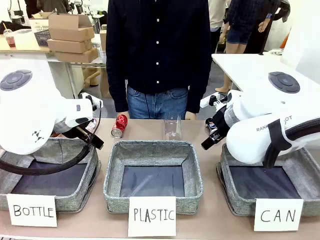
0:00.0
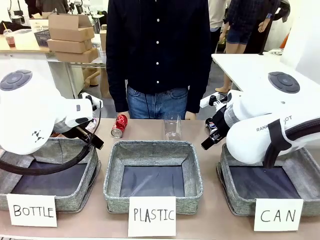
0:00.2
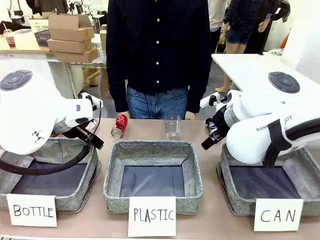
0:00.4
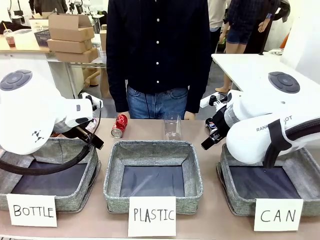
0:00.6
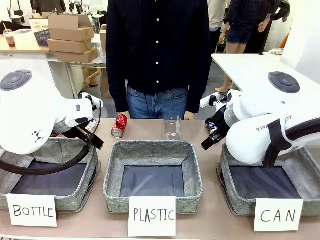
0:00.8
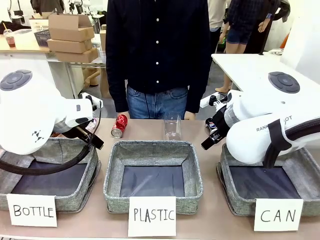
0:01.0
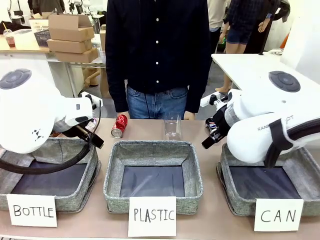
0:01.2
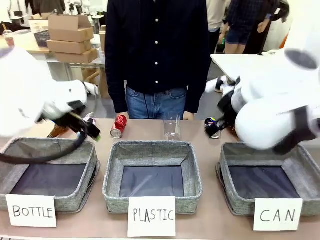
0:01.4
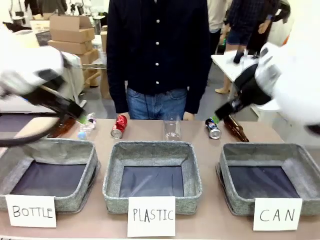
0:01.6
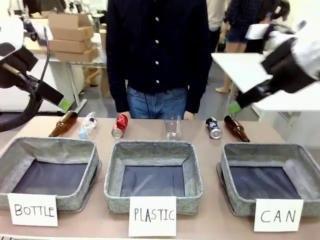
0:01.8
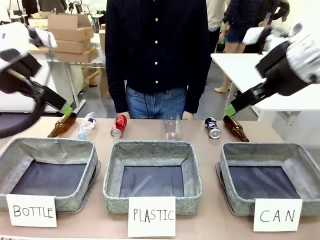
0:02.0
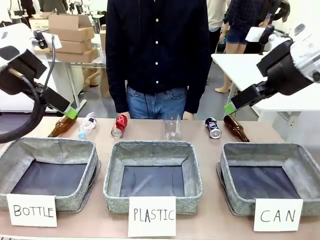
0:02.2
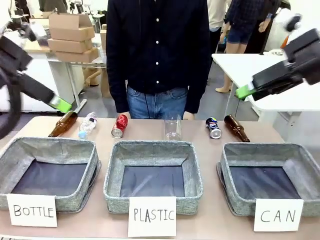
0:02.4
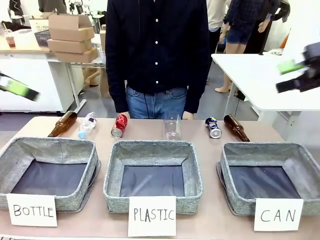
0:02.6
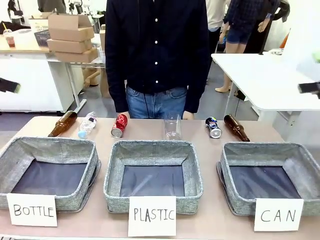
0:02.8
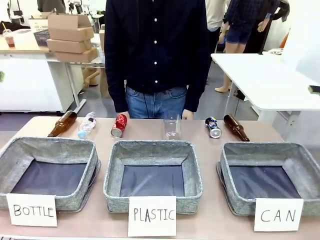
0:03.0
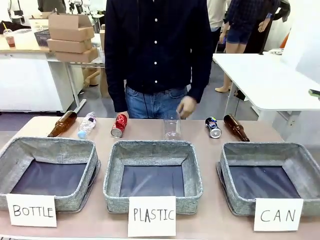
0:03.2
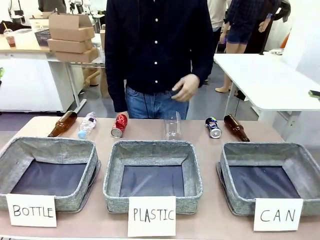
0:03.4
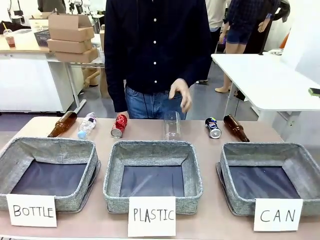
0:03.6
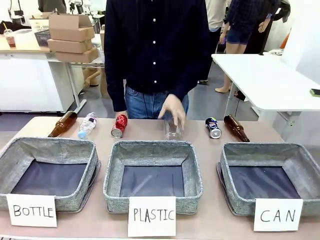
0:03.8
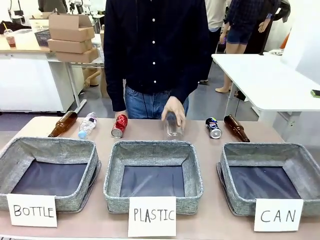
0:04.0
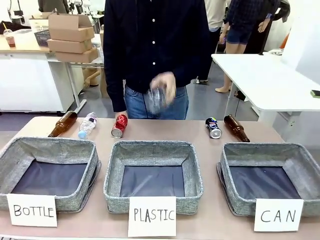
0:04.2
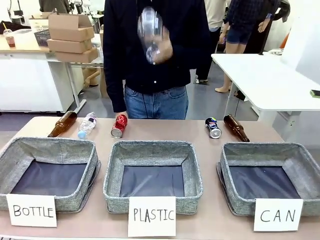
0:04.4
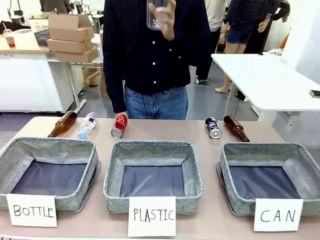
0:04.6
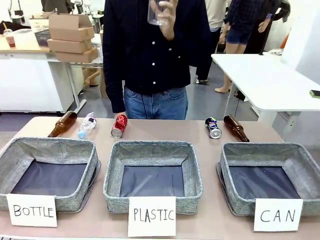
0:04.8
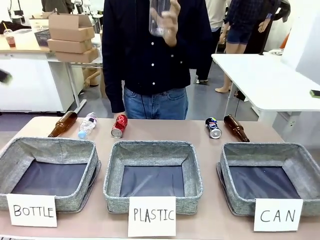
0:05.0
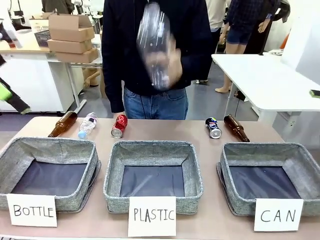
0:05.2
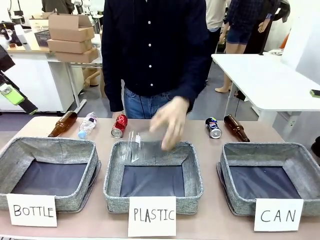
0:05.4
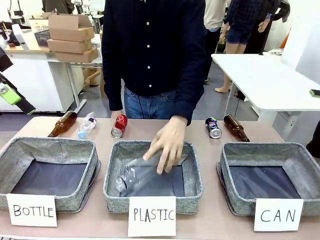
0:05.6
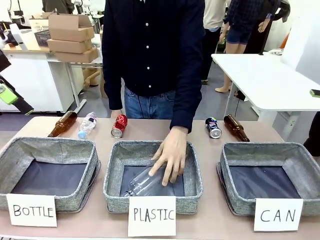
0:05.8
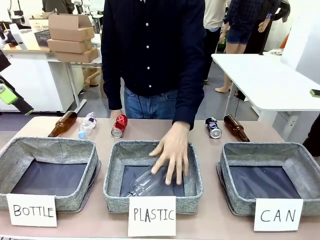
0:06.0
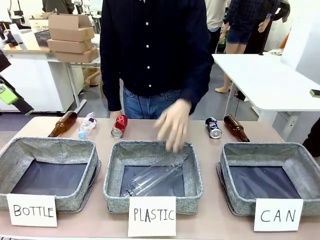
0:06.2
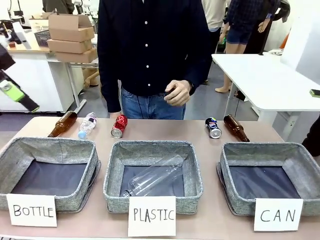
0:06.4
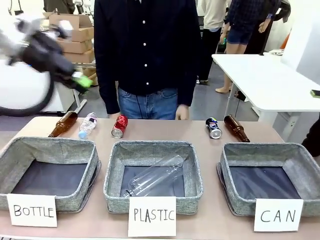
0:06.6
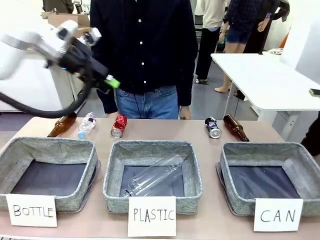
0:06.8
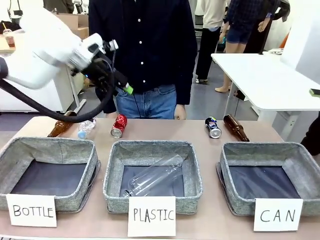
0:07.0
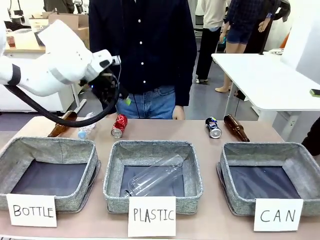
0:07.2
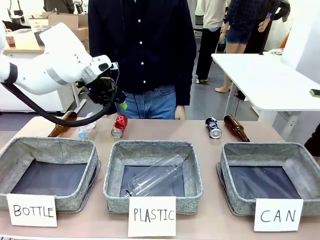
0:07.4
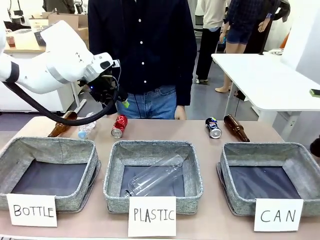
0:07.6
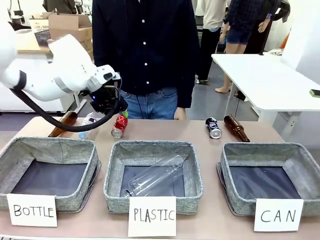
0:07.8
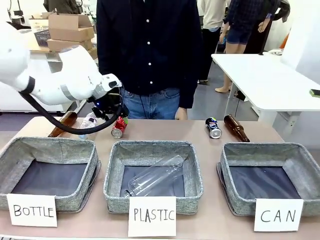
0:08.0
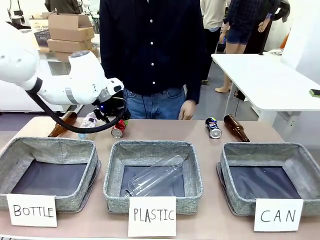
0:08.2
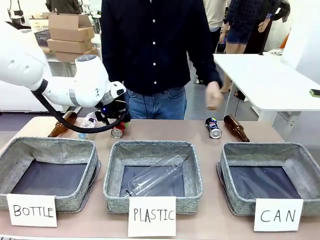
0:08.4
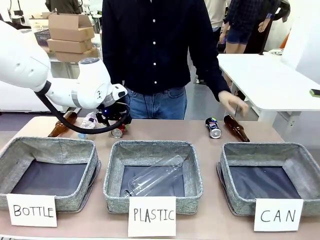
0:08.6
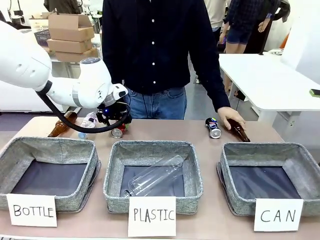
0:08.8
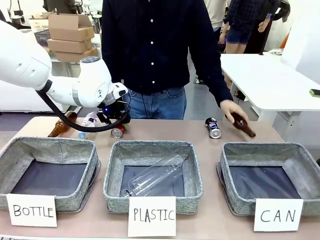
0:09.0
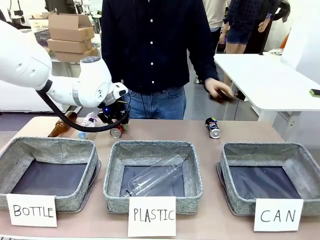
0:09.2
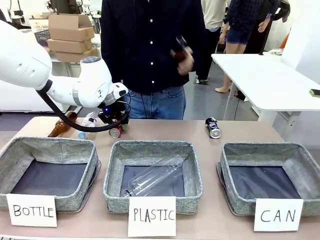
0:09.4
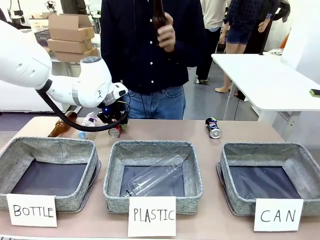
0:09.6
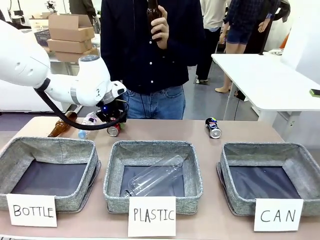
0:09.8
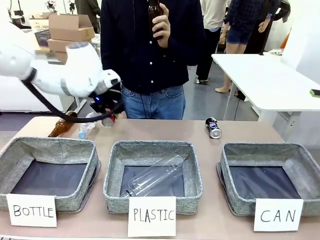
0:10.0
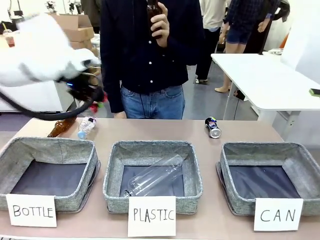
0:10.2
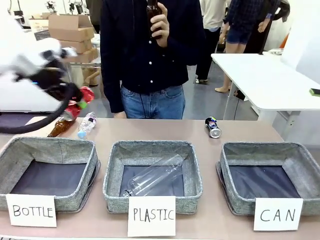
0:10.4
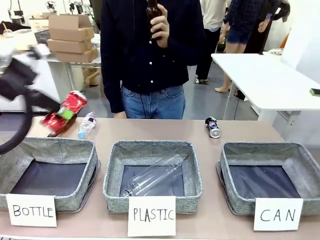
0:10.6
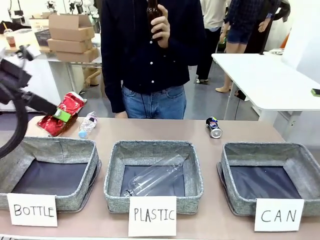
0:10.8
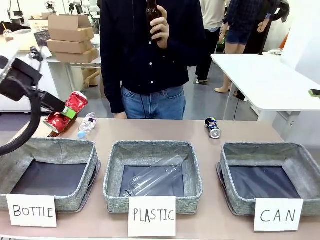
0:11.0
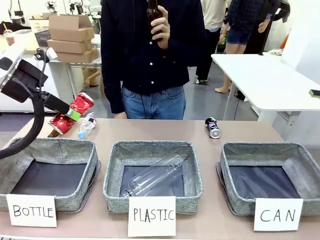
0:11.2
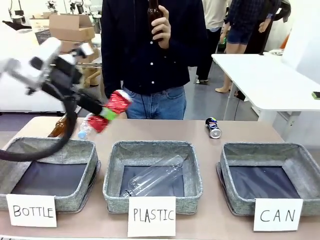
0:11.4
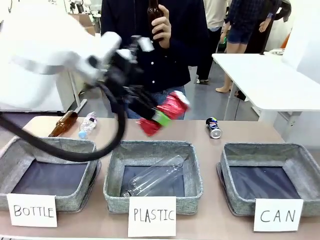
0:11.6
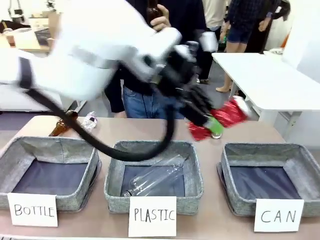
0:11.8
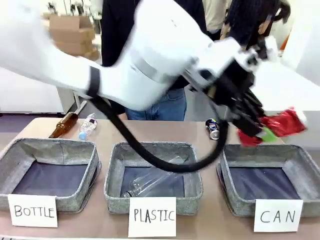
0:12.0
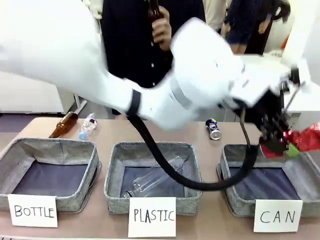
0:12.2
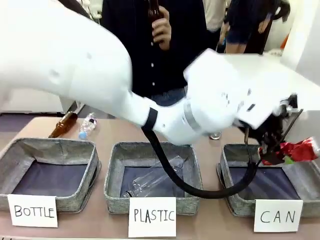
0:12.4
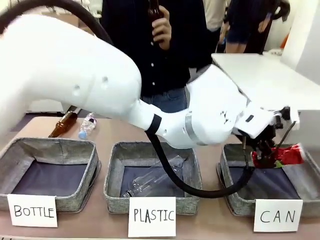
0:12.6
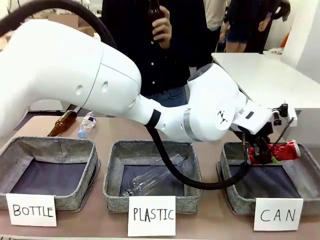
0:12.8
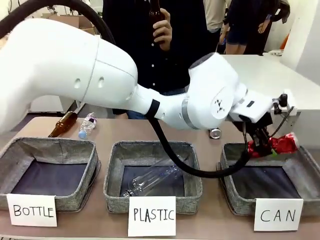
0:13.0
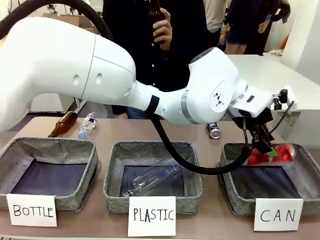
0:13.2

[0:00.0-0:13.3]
Task: Sort the can waste into the basket.
Robot: Pick up the can waste from the table and place it in the right Fabric basket.
